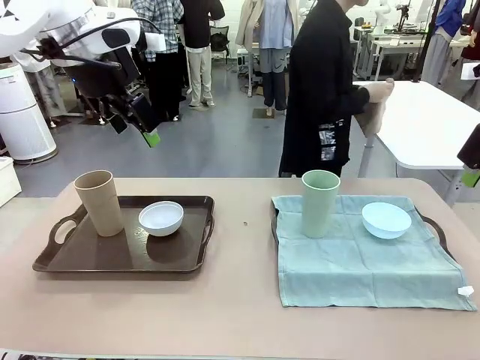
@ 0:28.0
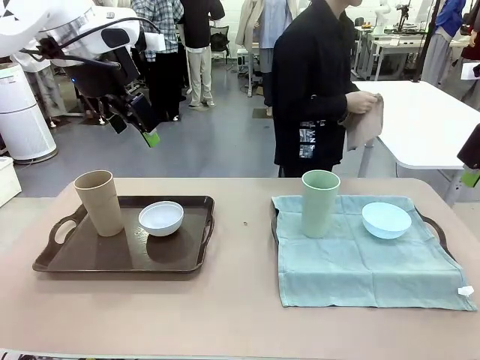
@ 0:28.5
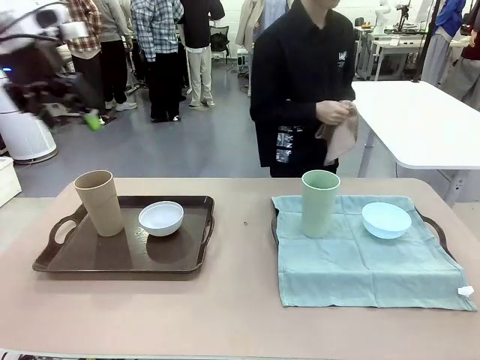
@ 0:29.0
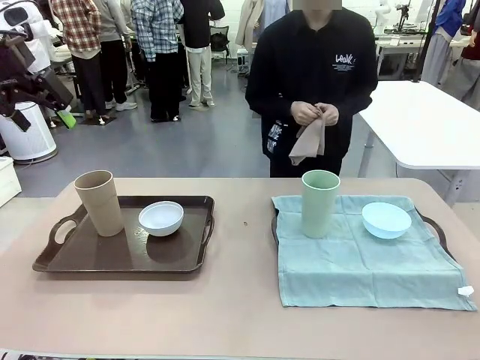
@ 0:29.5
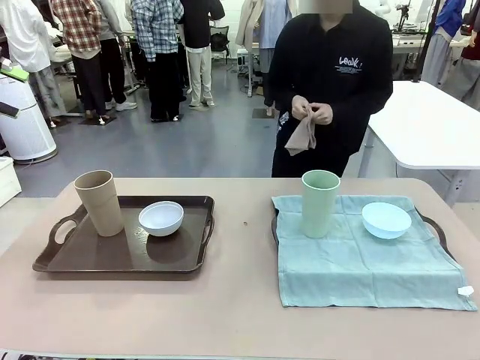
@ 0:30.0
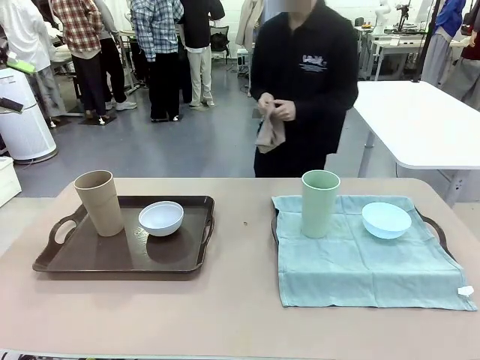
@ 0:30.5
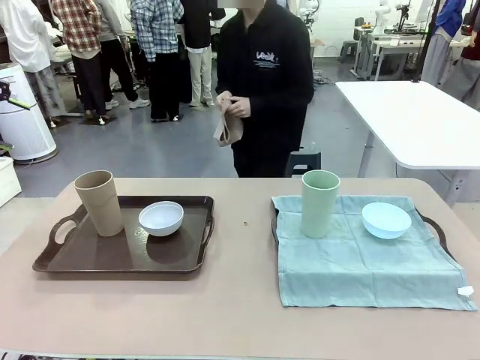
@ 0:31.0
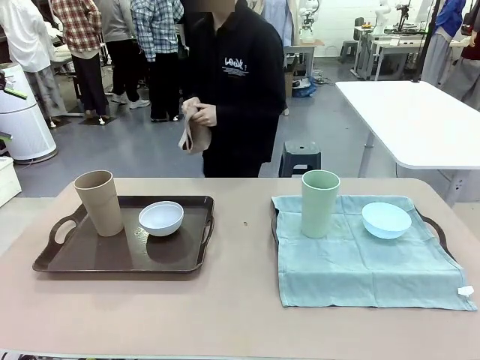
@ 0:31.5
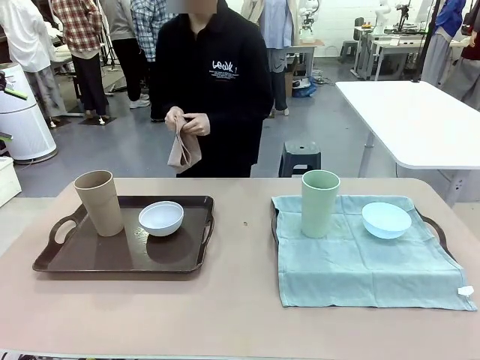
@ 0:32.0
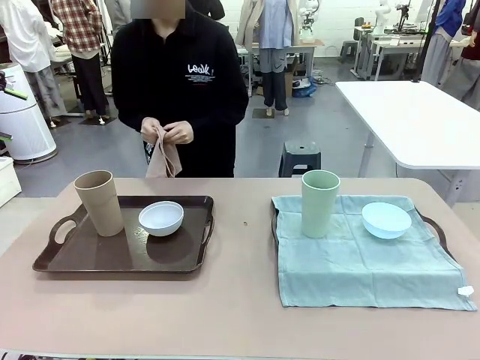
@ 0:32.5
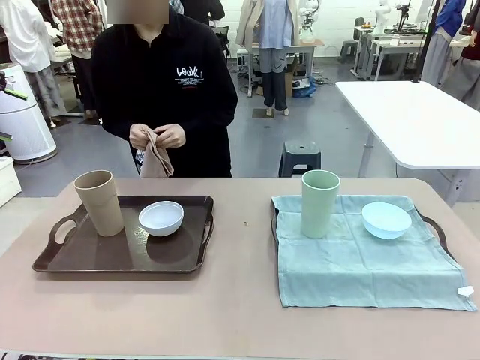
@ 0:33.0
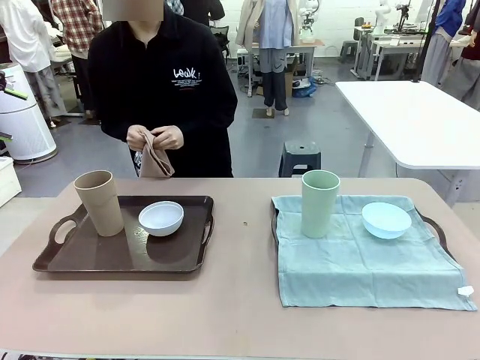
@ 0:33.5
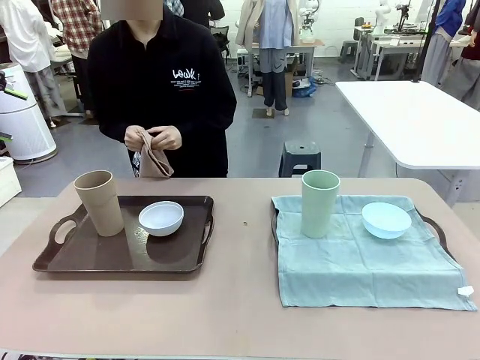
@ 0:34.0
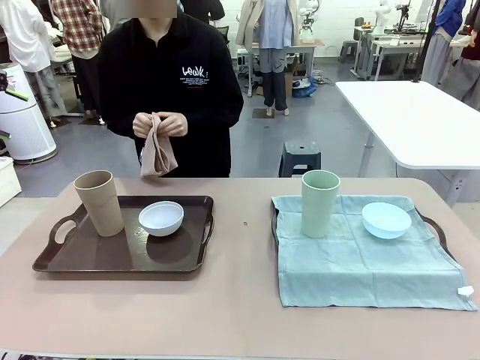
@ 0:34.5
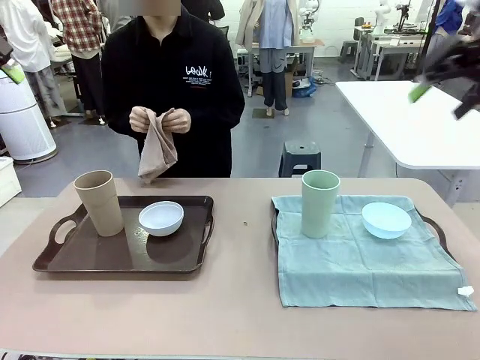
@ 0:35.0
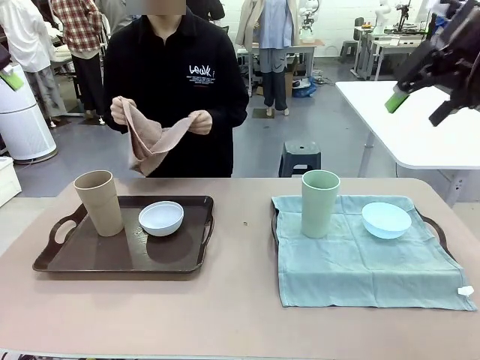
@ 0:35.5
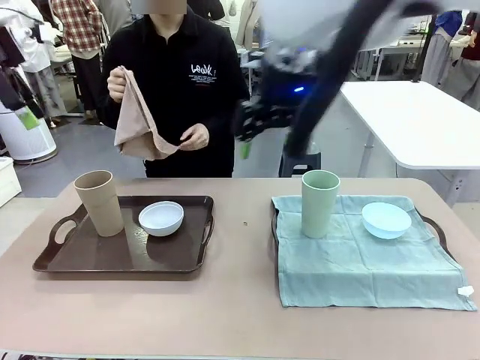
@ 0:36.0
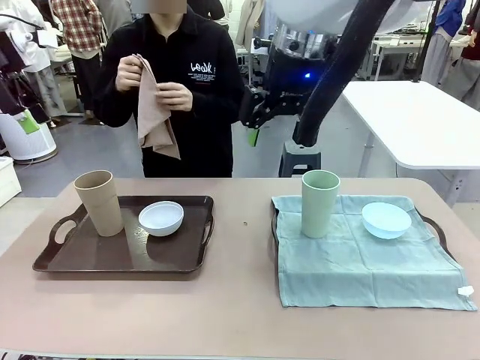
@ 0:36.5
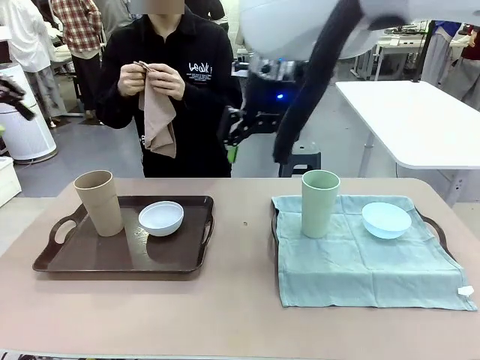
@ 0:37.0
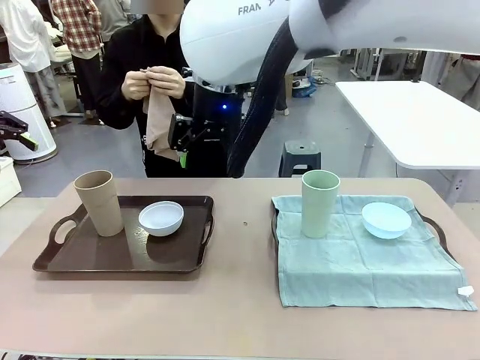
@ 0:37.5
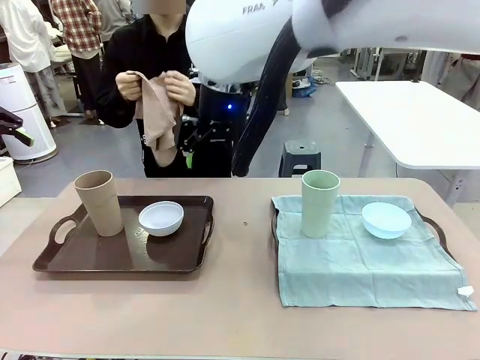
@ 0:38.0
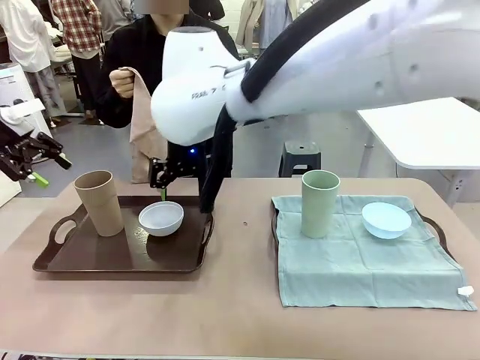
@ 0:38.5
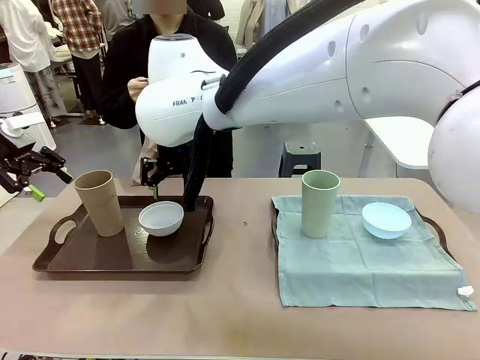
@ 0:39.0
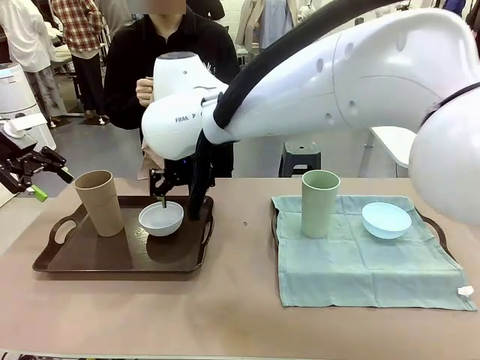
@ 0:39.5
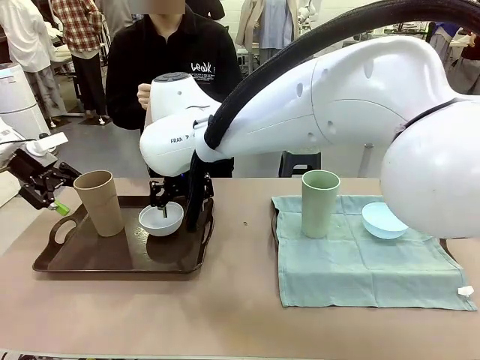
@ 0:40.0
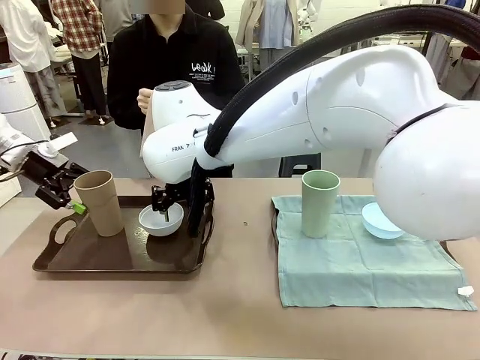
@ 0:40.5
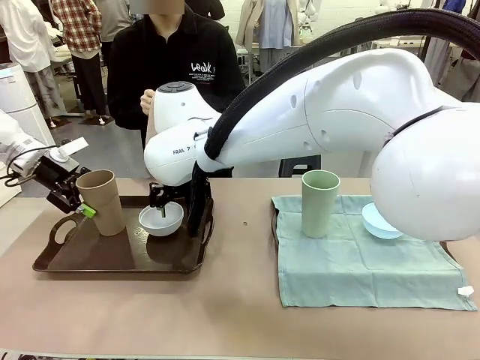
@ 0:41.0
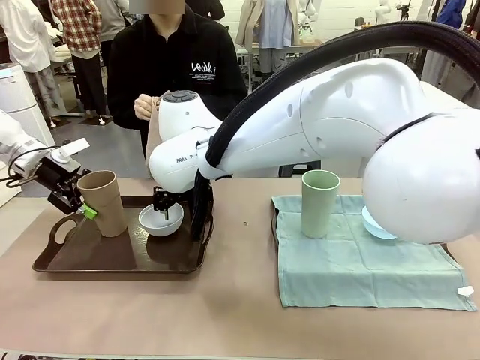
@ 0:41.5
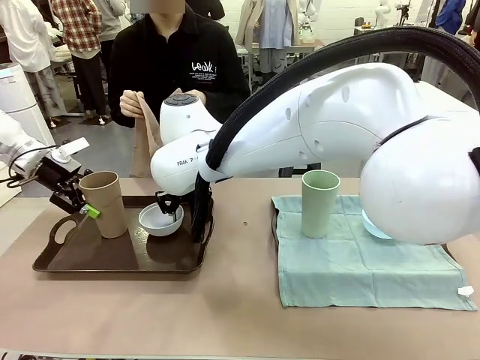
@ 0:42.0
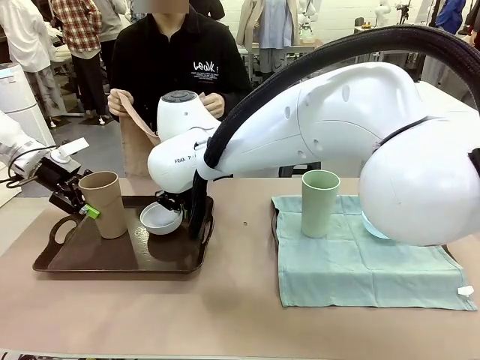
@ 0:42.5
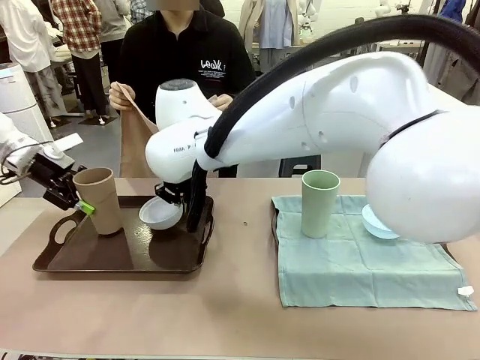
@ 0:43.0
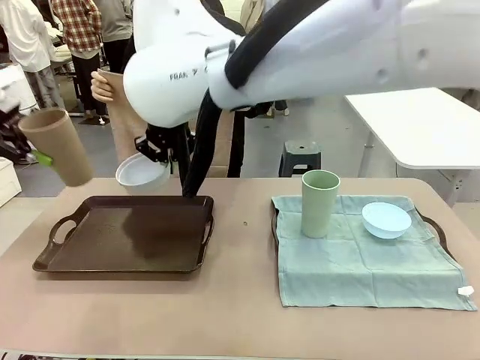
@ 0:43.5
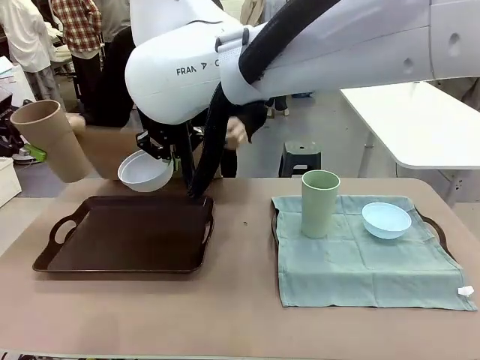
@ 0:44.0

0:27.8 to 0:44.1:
Robot: Pick up the Picnic Bowl and Reusable plastic cup from the Handle tray in front of the human's position and hold them in the air.
Person: The human returns to the human table to pick up another napkin and walks to the robot table to stand in front of the tray without a napkin.

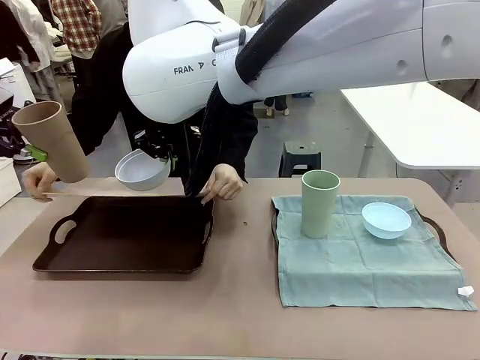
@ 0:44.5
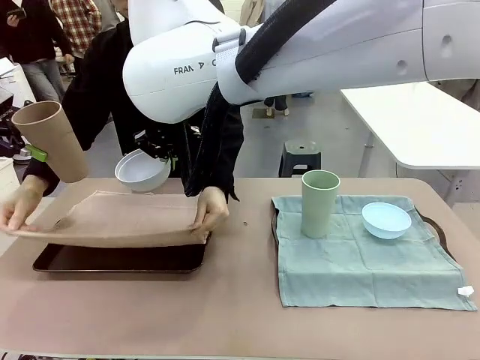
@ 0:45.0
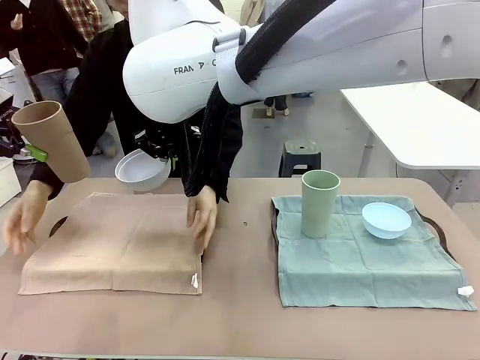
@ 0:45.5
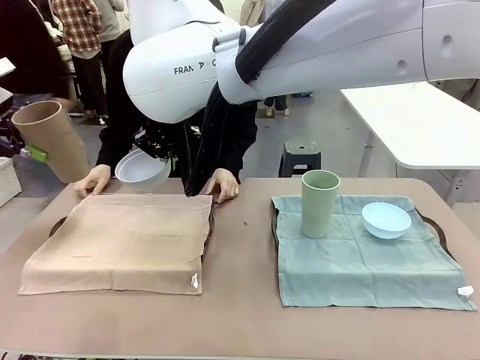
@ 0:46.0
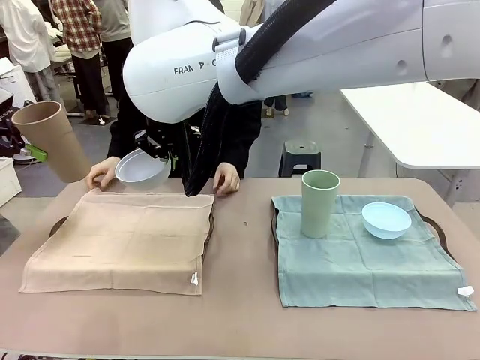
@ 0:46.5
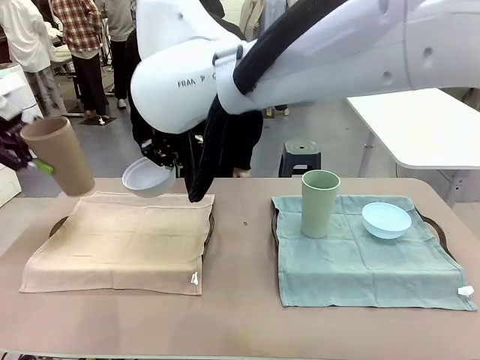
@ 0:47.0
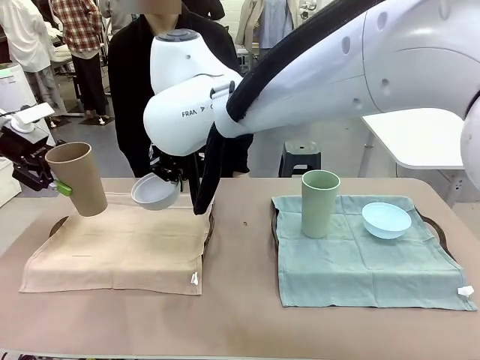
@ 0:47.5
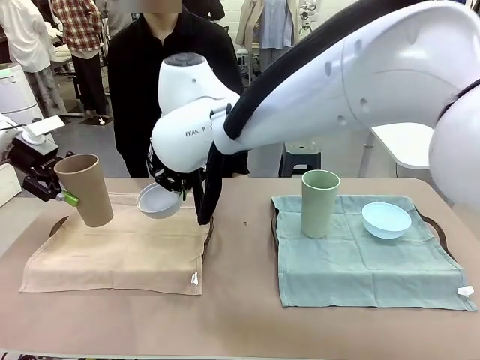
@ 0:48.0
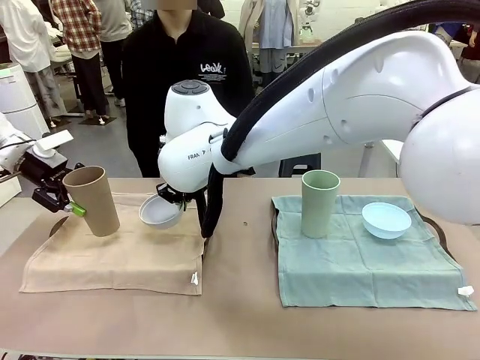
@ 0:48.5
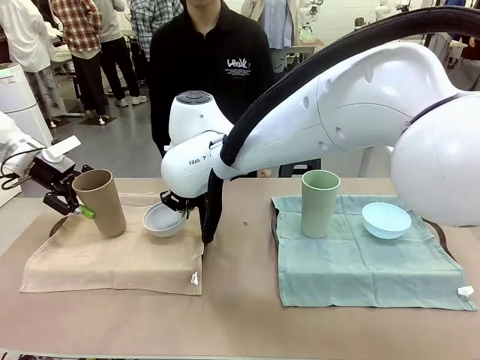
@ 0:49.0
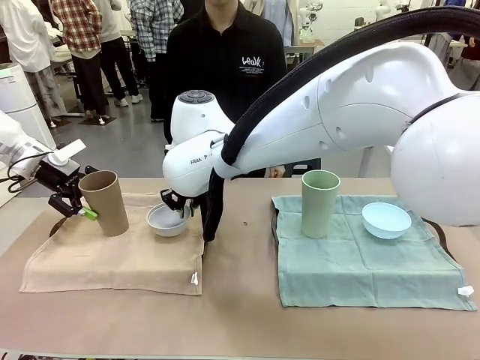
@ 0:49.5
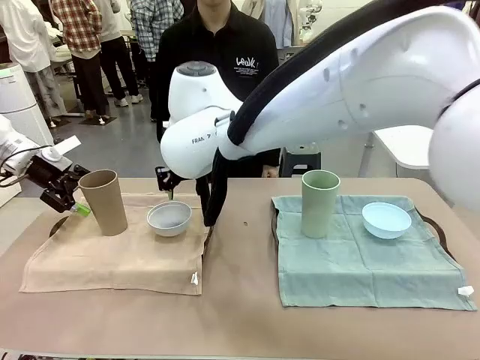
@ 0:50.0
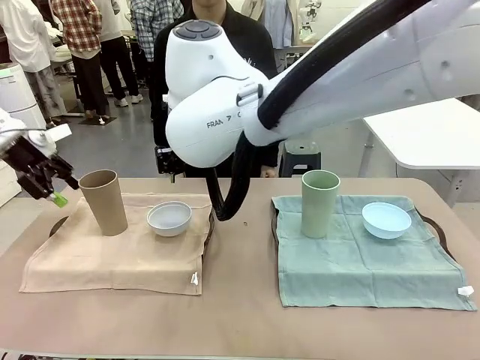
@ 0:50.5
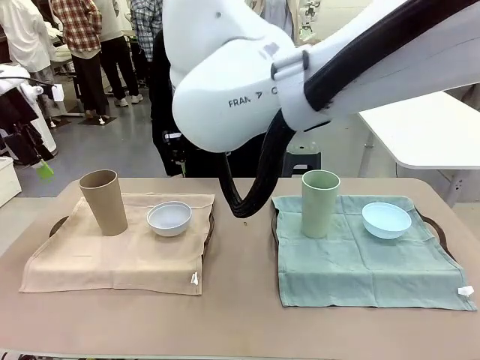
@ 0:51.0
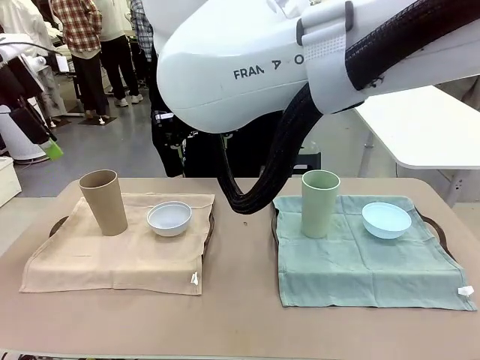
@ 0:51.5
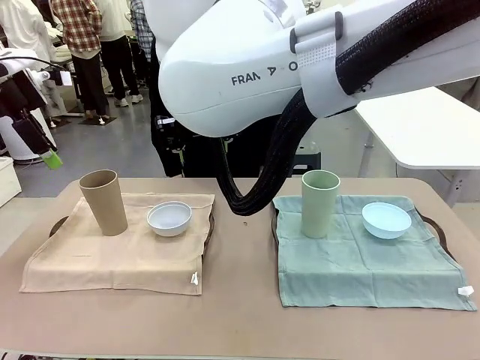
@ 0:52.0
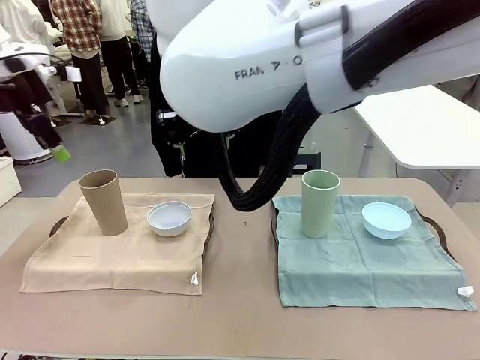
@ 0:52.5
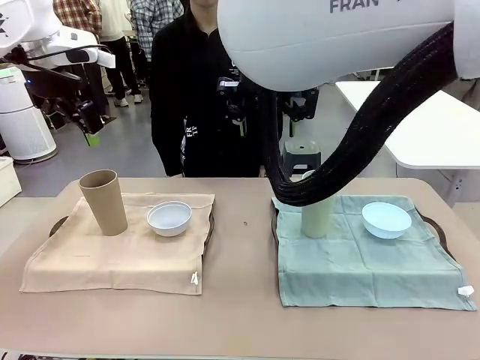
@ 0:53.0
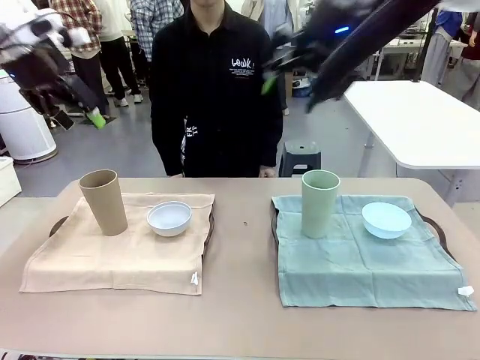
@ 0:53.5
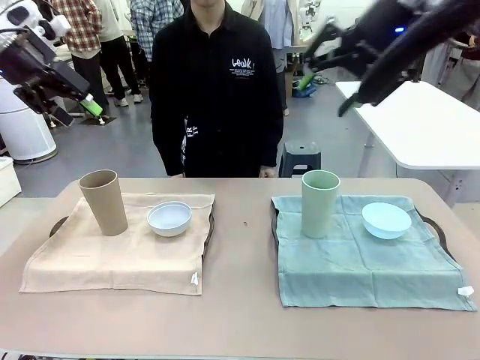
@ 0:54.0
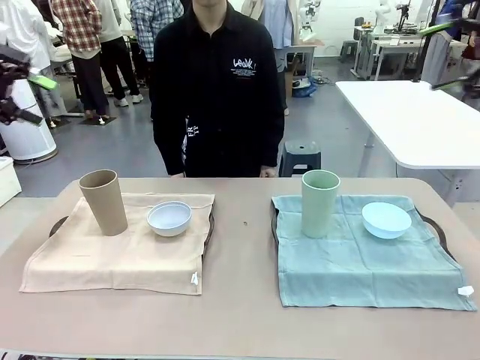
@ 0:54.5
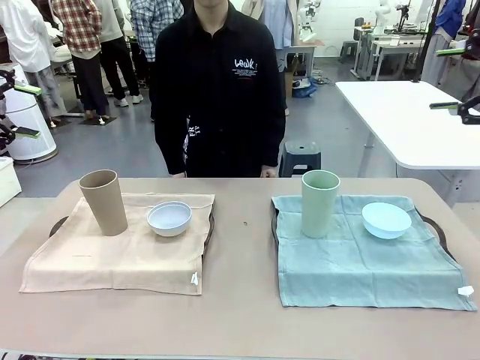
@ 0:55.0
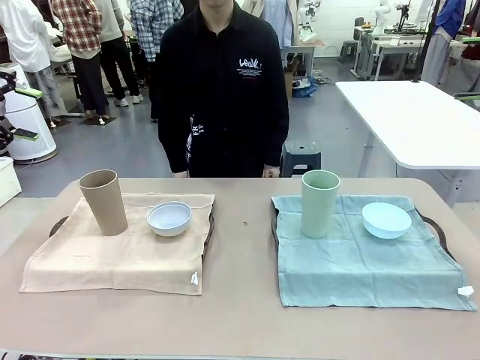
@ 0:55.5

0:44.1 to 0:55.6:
Robot: Place the Picnic Bowl and Reusable plastic cup back onto the Handle tray in front of the human's position.
Person: When the robot lifts the bowl and the cup, the human unfolds the napkin and lays the napkin flat on the tray.
